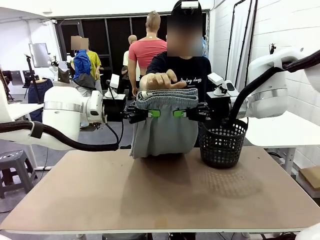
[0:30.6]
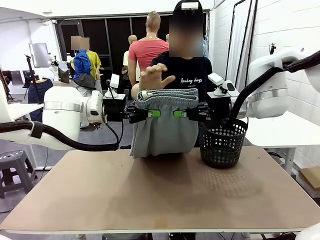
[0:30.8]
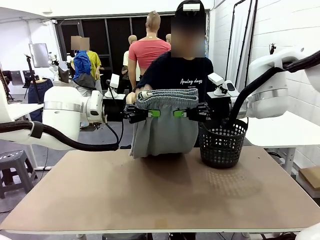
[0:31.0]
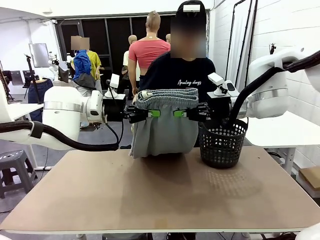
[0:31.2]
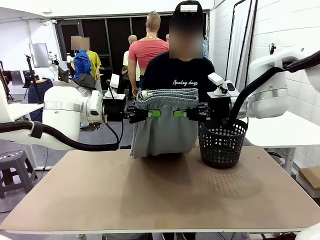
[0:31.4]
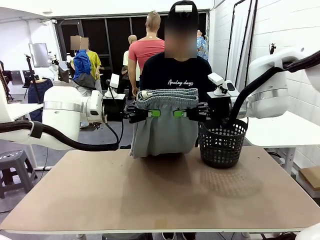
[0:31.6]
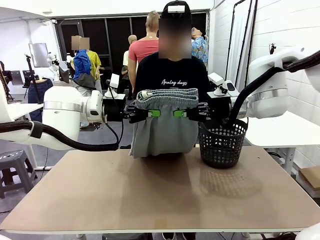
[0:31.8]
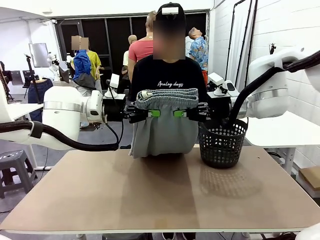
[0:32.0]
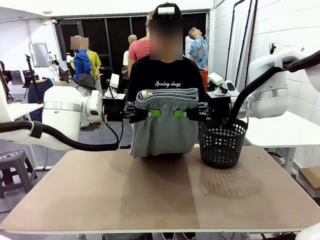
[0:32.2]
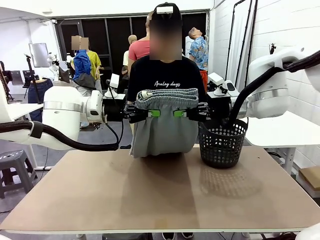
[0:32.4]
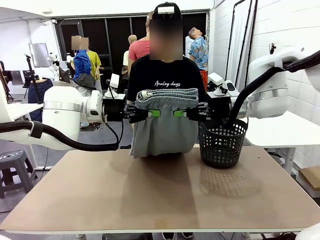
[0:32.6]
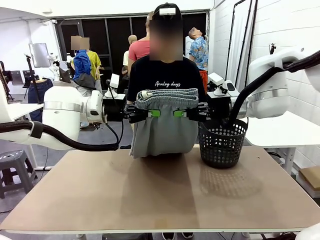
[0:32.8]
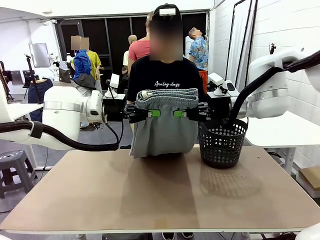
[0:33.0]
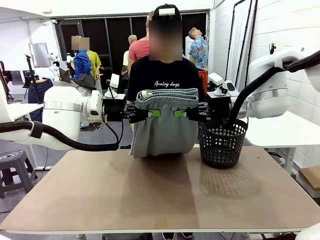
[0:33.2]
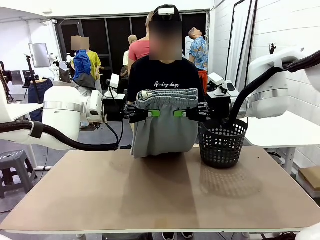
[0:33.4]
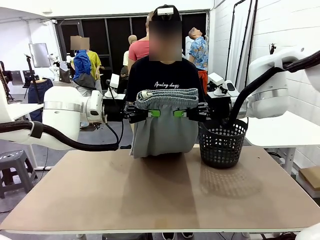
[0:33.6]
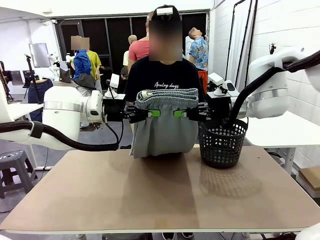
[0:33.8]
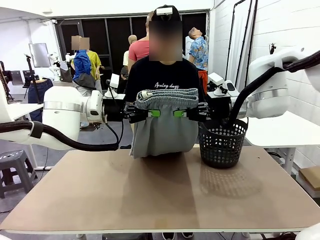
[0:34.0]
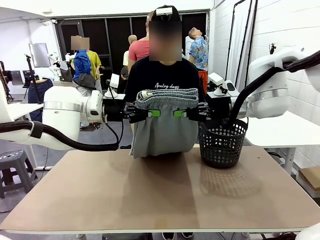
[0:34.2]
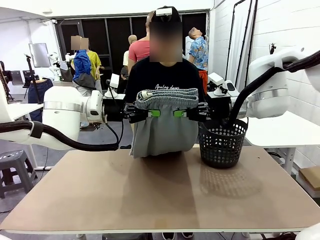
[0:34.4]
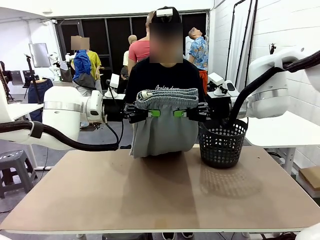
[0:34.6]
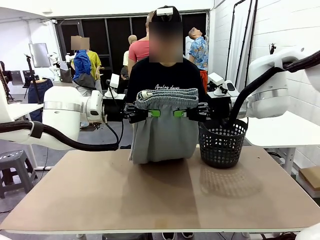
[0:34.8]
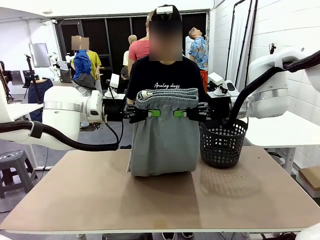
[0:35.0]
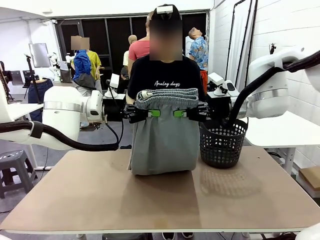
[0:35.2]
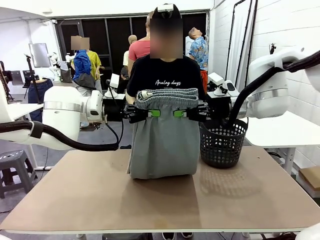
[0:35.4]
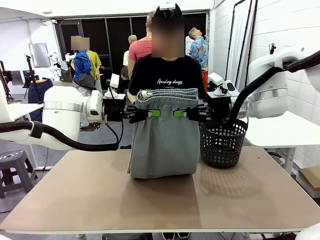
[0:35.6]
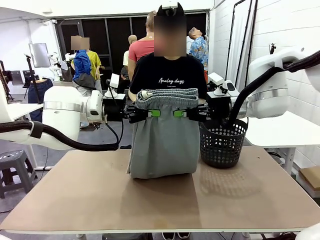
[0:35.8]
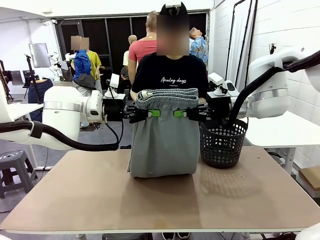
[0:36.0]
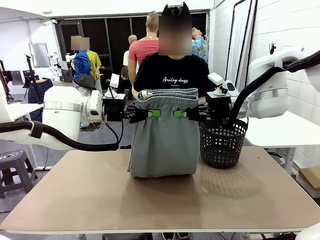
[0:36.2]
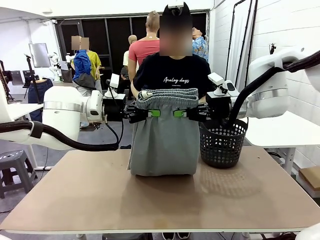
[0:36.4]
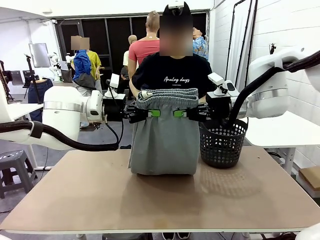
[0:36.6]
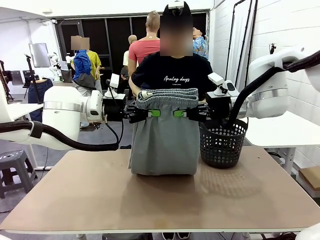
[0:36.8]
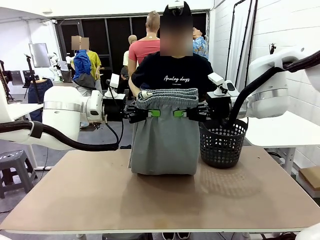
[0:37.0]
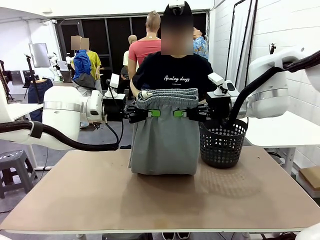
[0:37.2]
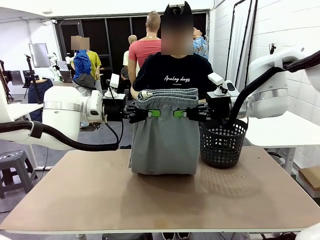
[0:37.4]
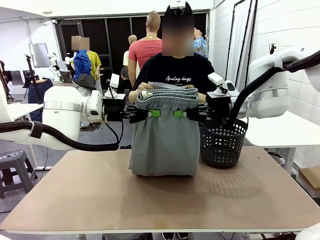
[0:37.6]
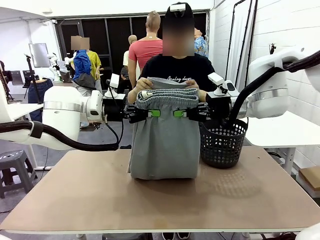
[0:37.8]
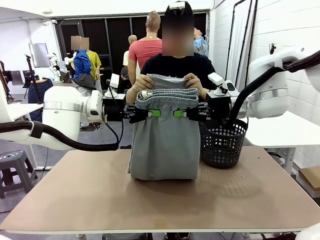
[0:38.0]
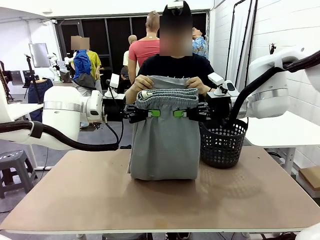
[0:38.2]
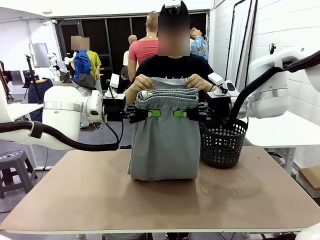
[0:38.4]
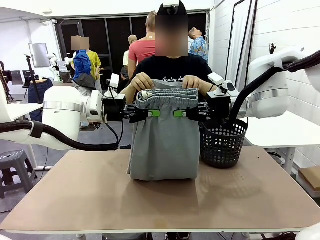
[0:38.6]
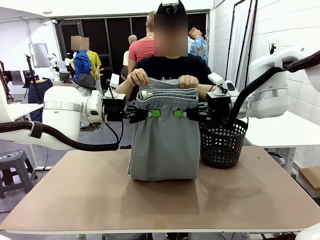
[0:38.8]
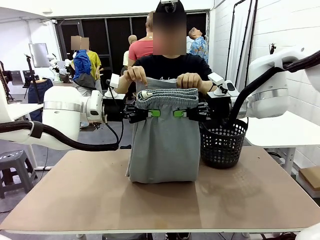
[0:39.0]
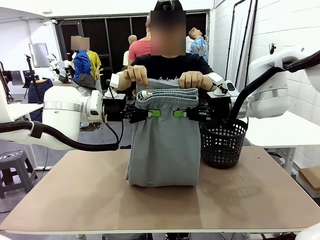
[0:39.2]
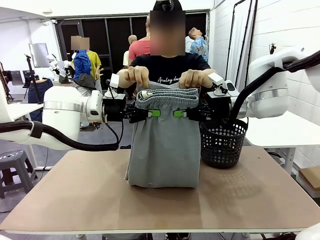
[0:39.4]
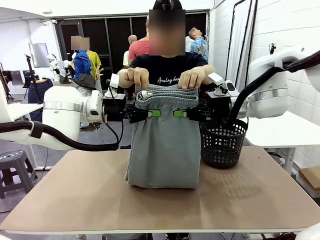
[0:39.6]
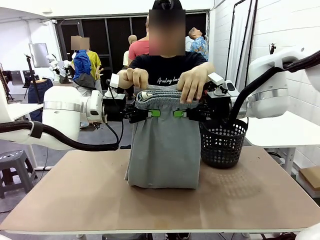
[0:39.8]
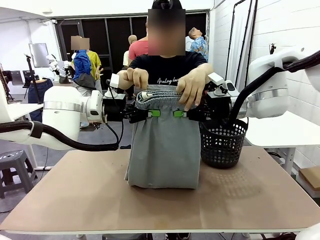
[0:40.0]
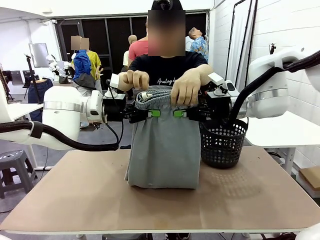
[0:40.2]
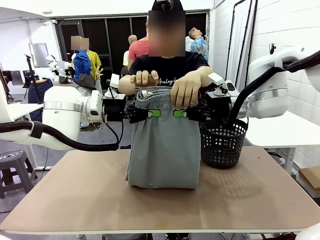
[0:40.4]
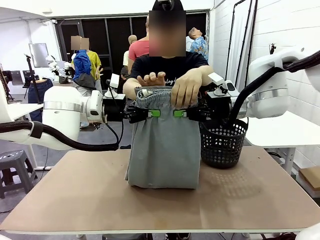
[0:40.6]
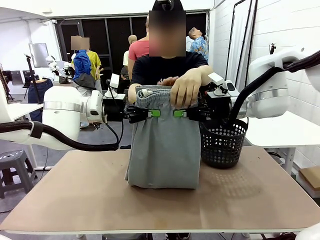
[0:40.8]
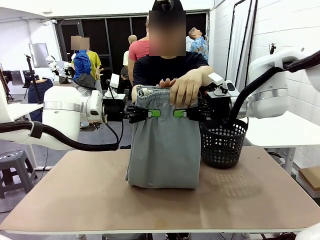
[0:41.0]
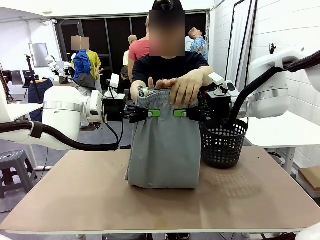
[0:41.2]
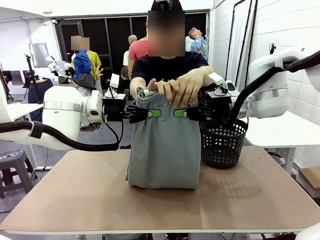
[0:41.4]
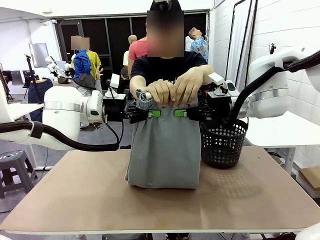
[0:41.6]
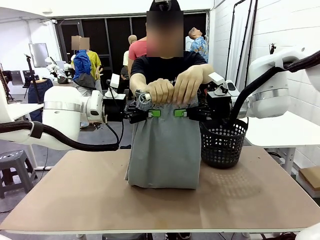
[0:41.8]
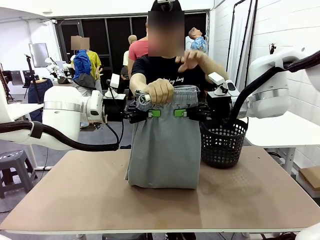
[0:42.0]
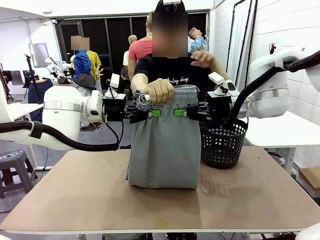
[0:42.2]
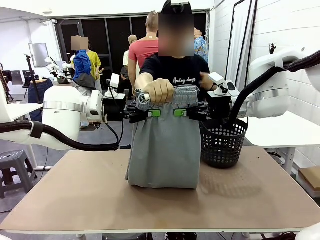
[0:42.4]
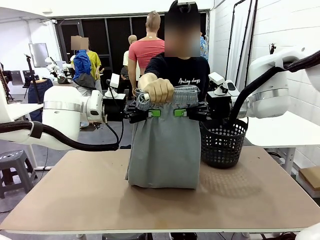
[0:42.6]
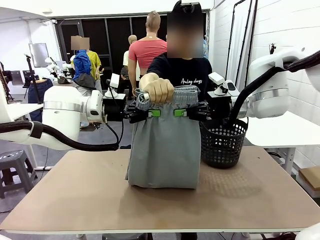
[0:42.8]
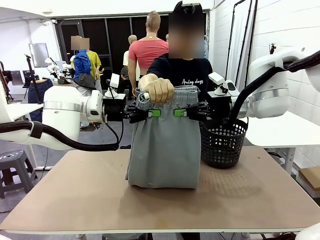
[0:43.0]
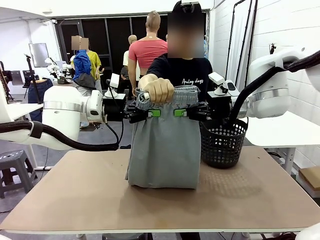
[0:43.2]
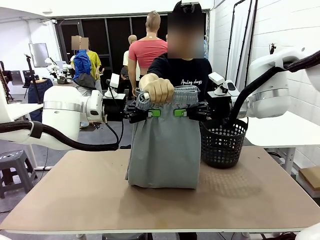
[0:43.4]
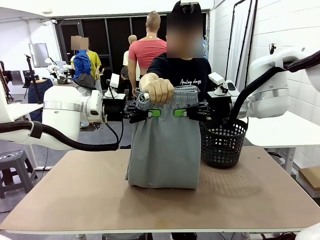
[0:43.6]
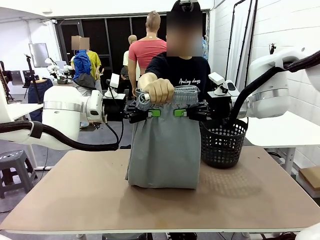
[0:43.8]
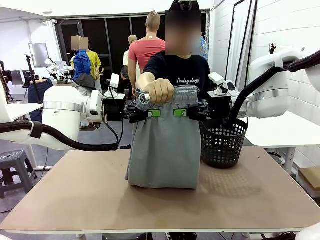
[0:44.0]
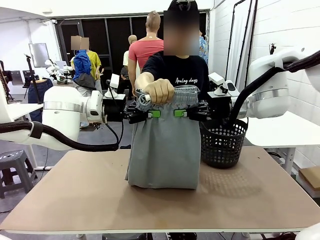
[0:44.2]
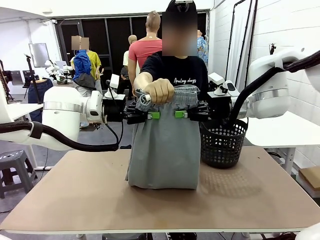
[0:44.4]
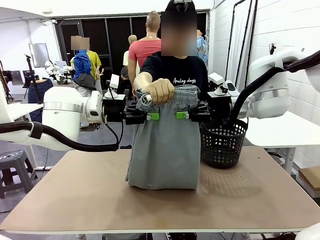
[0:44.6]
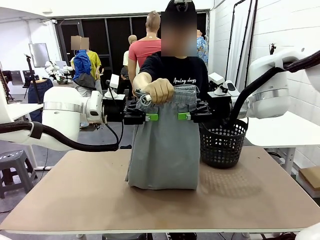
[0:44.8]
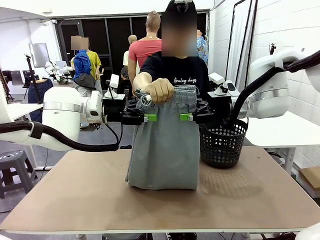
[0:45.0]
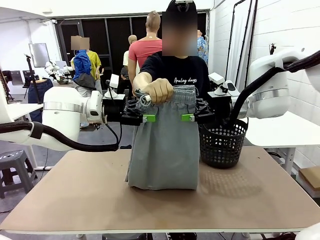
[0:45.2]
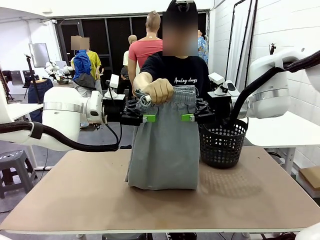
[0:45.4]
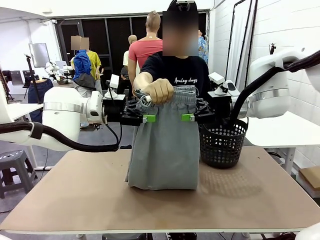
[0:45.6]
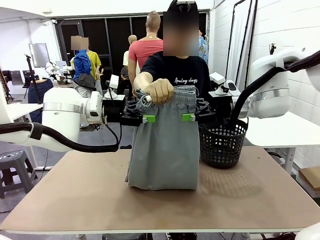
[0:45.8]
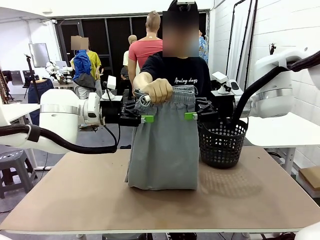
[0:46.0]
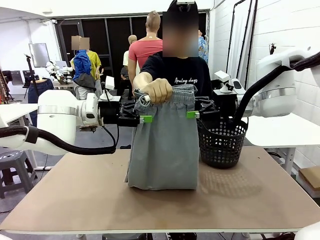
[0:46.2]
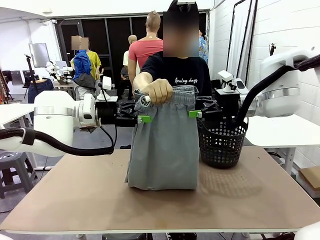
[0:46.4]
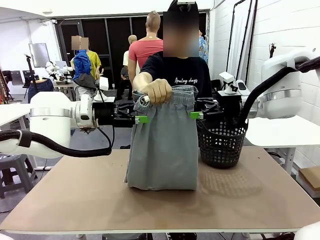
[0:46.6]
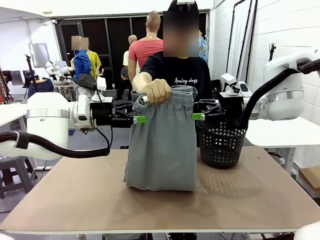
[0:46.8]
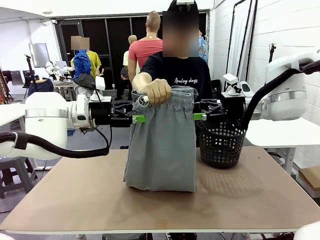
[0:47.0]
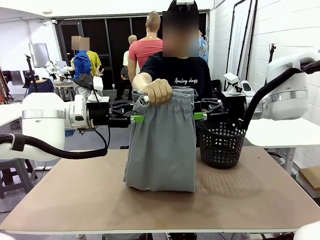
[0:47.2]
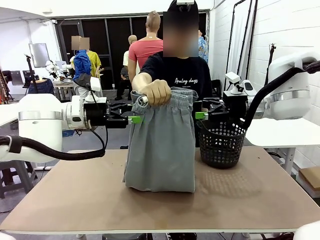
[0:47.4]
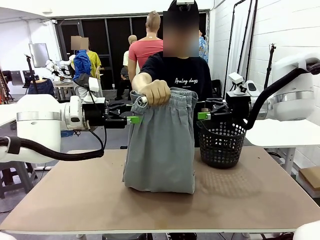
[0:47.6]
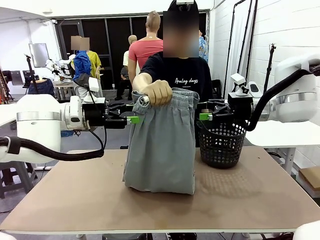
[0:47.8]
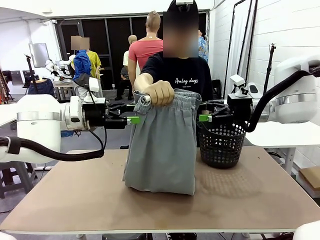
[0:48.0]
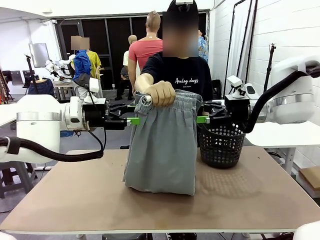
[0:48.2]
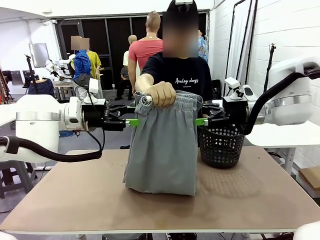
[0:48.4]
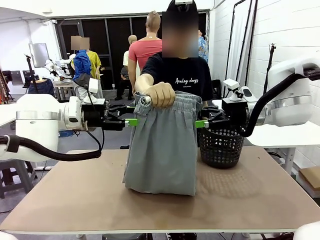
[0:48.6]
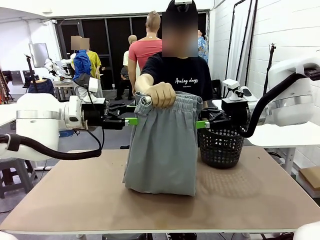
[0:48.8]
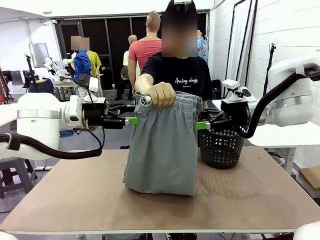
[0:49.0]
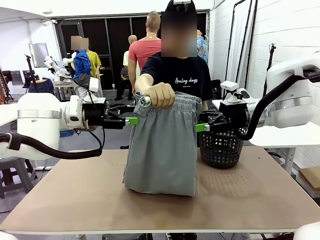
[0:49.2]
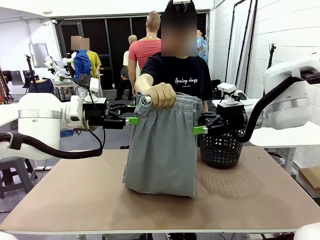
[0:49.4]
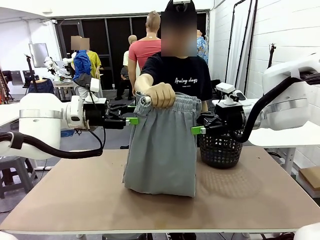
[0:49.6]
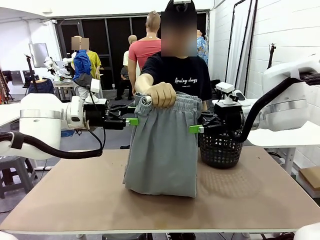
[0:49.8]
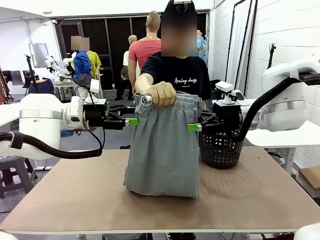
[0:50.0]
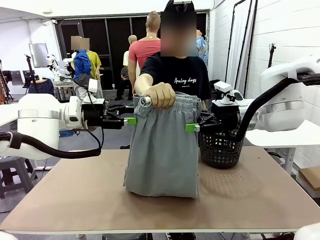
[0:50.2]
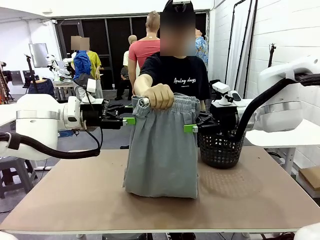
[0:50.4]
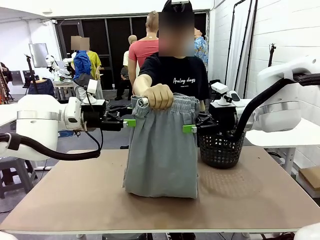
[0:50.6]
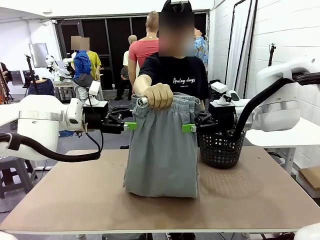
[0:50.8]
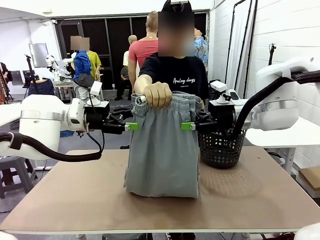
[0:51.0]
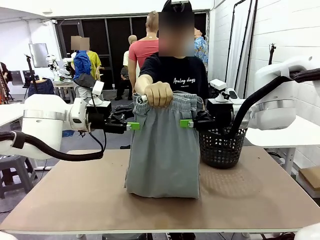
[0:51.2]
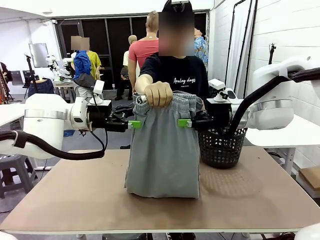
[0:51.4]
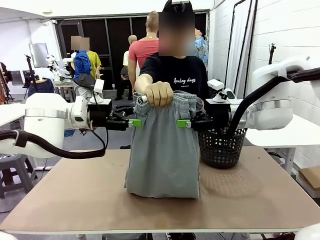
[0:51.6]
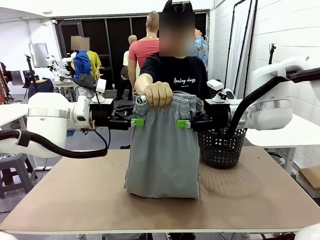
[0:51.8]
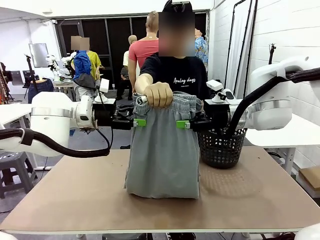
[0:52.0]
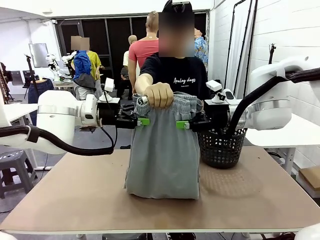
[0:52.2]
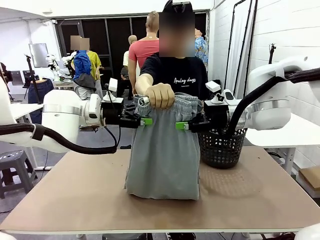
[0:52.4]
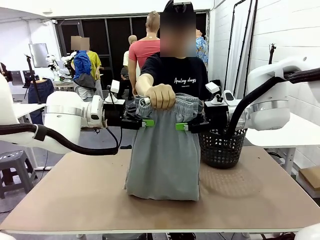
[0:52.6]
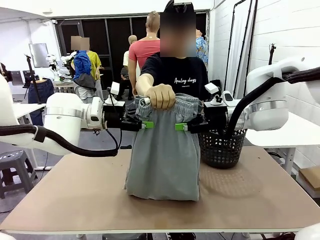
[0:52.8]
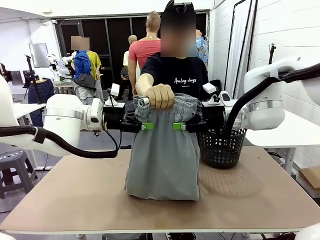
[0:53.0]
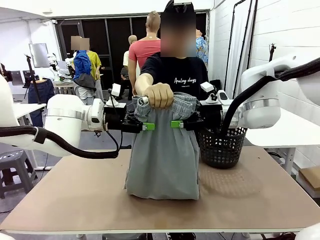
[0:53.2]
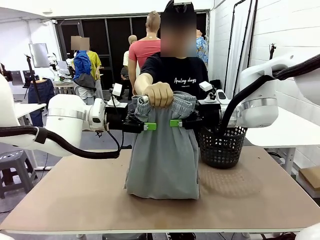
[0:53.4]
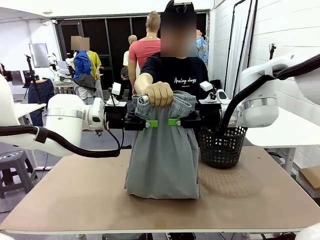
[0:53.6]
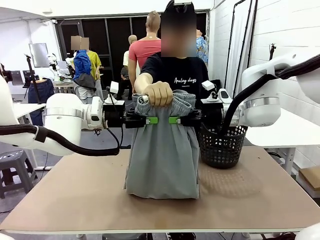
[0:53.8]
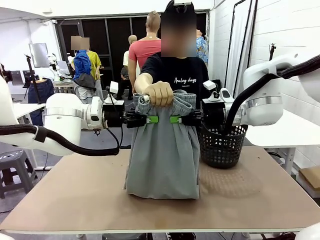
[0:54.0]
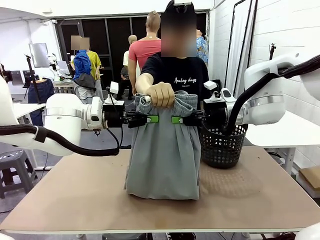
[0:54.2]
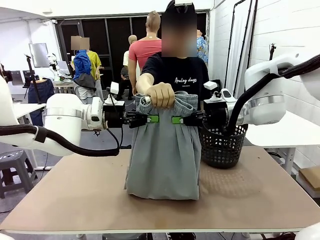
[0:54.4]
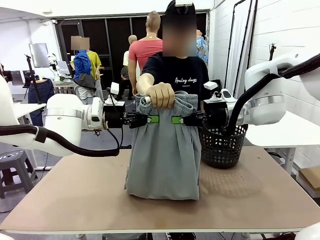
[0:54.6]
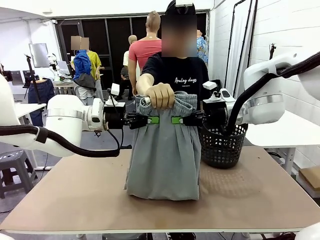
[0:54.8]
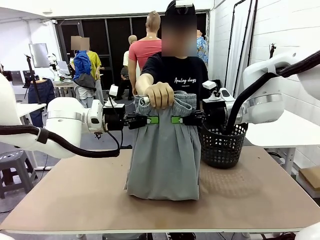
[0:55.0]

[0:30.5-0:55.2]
Task: Fold the training pants.
Robot: Release the ends of the Training pants and then grab the overlapped ends.
Person: Grasp the end opposite the point the robot is holding, fold the pants in half, and then grasp the overlapping top end of the folded pants. Release the pants you were holding.
